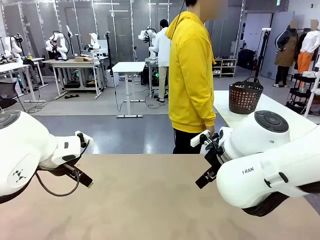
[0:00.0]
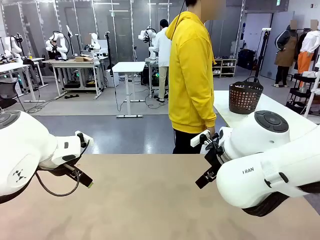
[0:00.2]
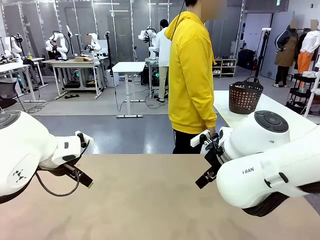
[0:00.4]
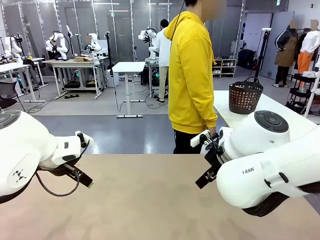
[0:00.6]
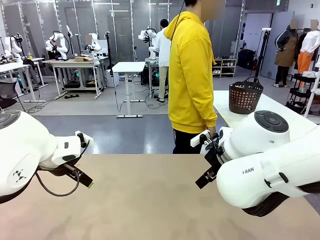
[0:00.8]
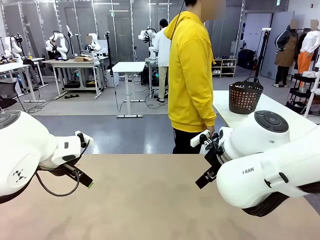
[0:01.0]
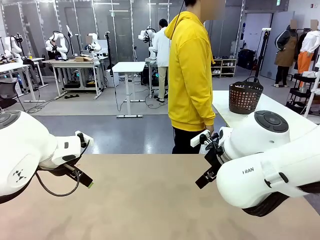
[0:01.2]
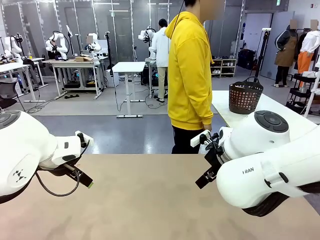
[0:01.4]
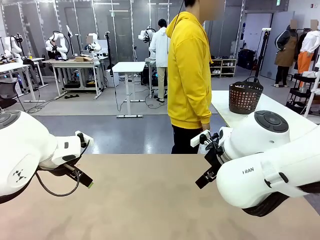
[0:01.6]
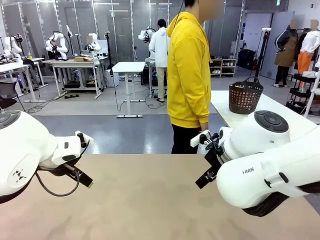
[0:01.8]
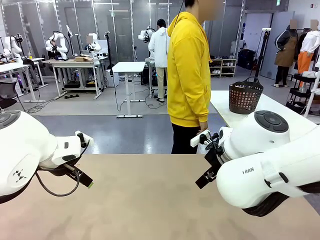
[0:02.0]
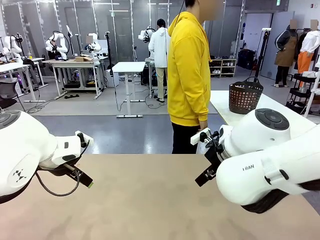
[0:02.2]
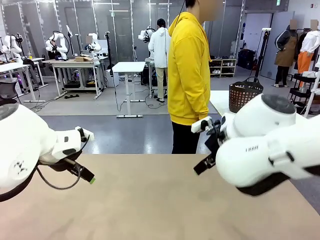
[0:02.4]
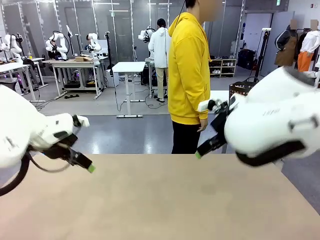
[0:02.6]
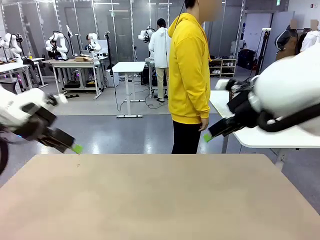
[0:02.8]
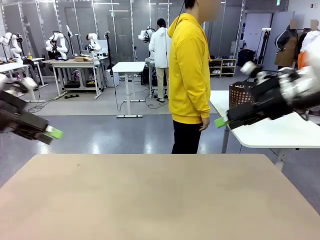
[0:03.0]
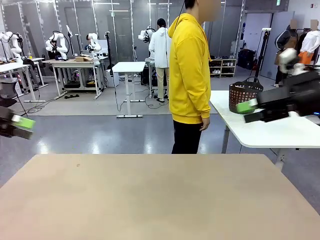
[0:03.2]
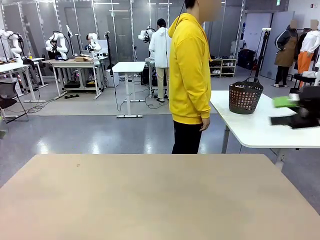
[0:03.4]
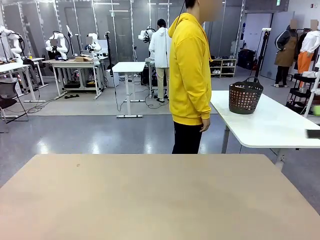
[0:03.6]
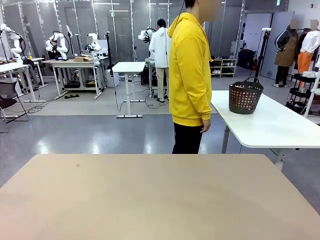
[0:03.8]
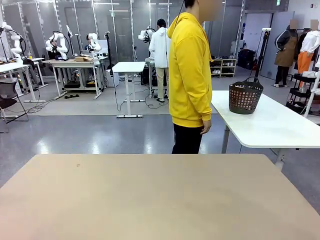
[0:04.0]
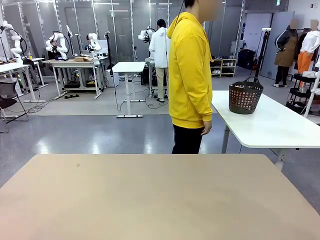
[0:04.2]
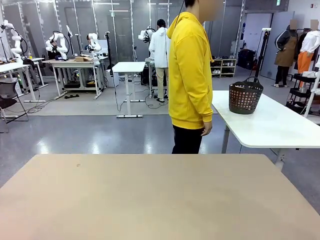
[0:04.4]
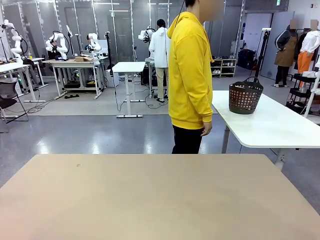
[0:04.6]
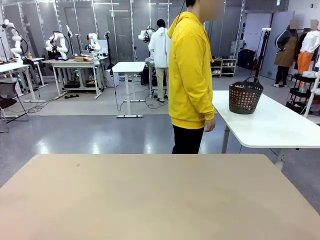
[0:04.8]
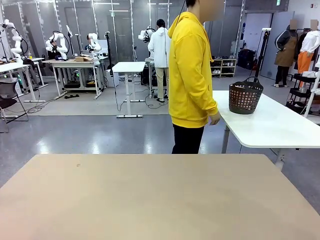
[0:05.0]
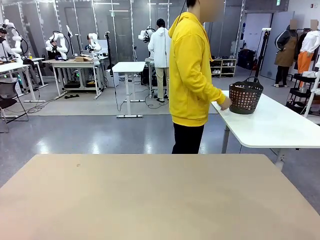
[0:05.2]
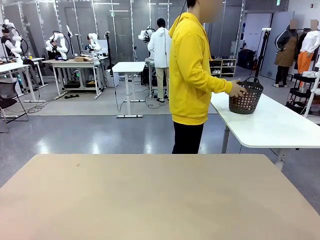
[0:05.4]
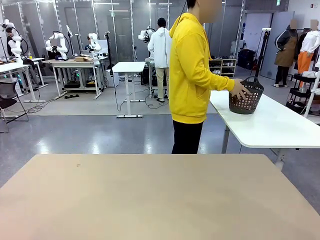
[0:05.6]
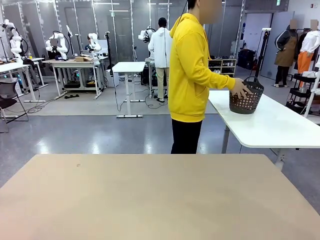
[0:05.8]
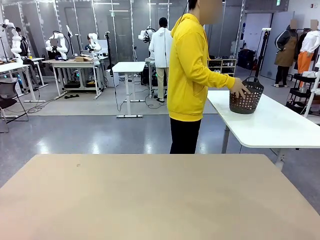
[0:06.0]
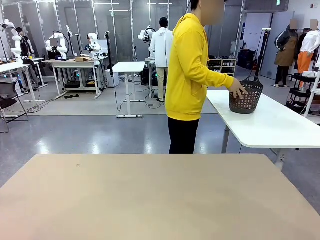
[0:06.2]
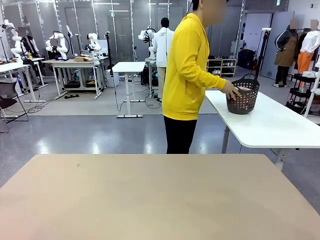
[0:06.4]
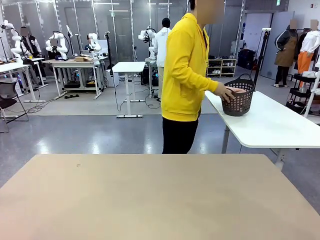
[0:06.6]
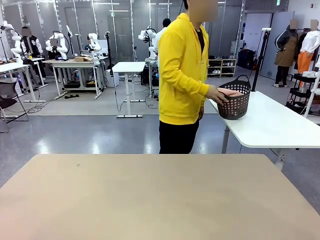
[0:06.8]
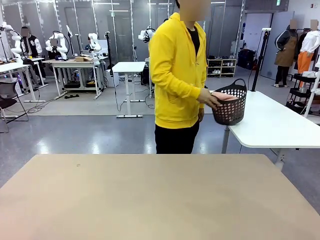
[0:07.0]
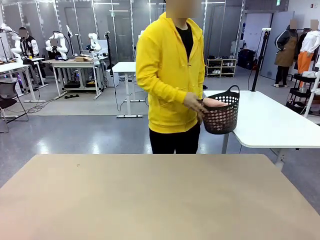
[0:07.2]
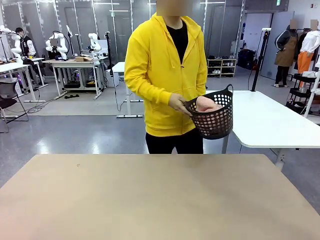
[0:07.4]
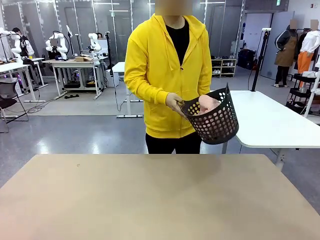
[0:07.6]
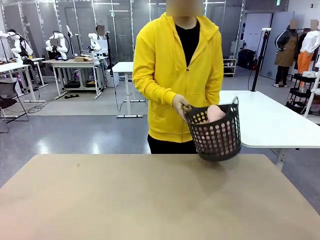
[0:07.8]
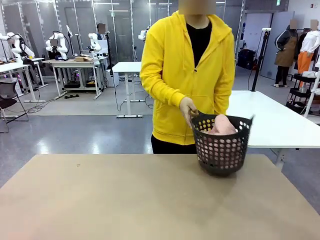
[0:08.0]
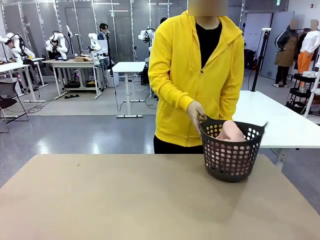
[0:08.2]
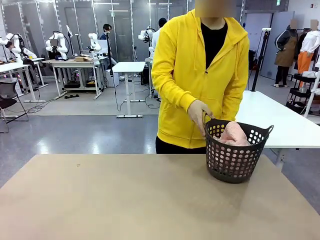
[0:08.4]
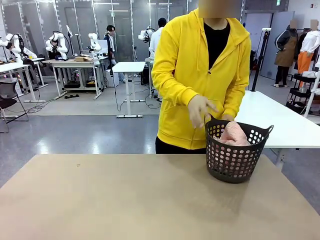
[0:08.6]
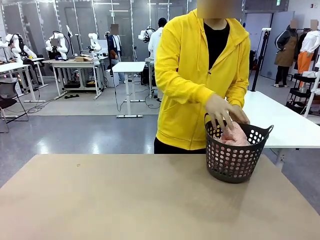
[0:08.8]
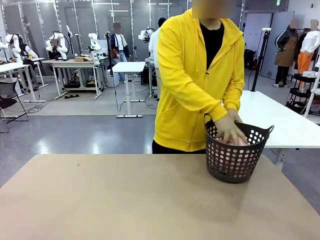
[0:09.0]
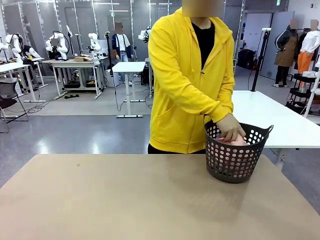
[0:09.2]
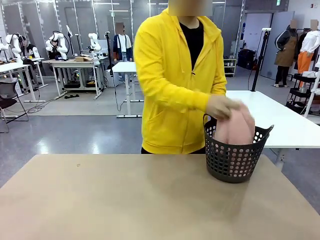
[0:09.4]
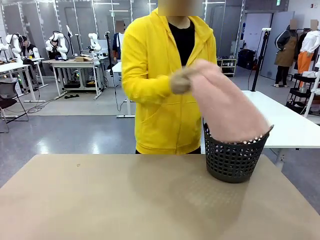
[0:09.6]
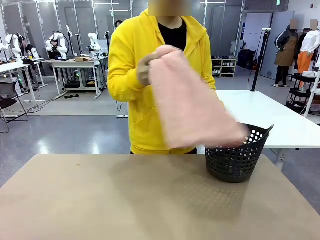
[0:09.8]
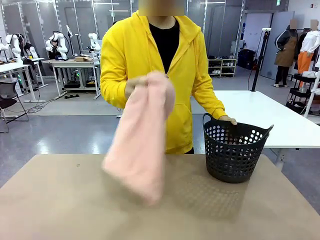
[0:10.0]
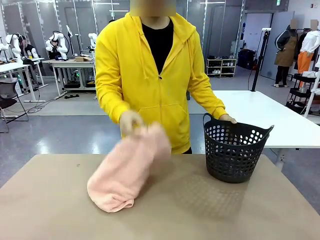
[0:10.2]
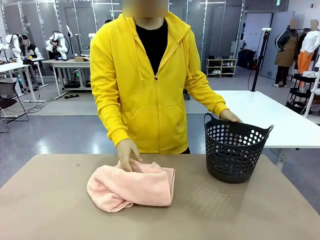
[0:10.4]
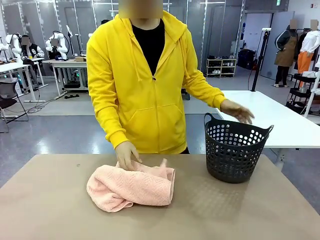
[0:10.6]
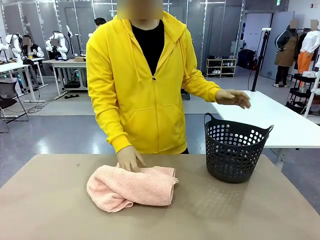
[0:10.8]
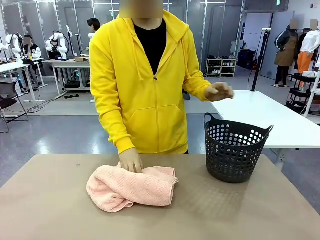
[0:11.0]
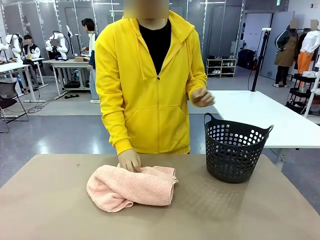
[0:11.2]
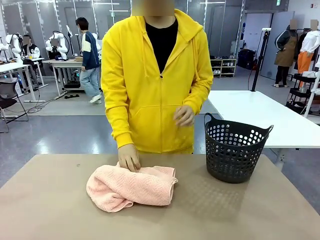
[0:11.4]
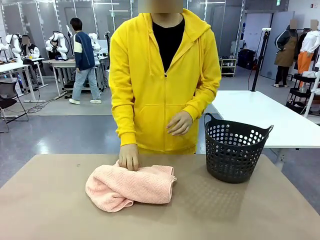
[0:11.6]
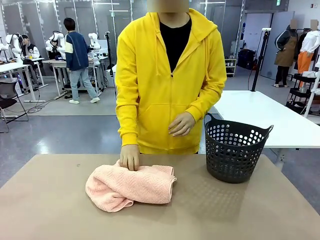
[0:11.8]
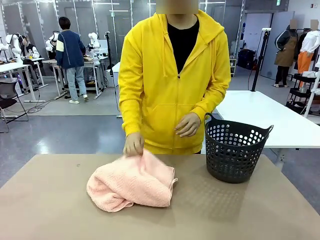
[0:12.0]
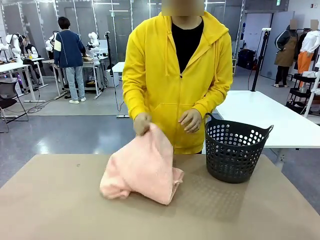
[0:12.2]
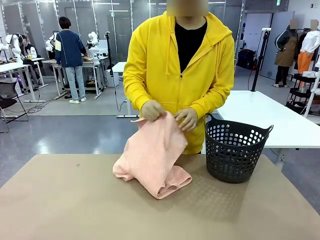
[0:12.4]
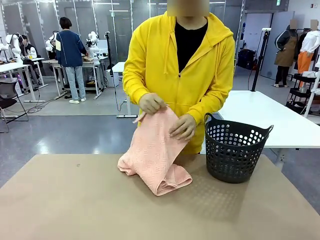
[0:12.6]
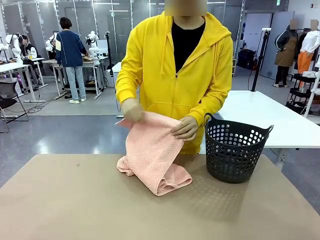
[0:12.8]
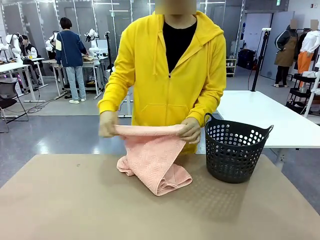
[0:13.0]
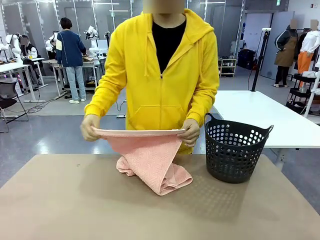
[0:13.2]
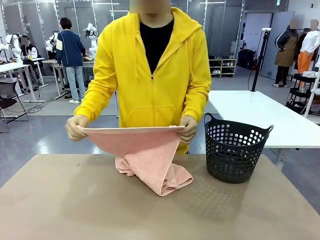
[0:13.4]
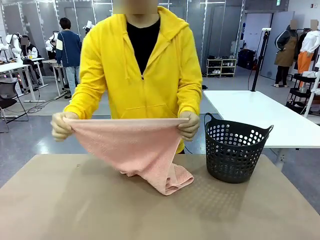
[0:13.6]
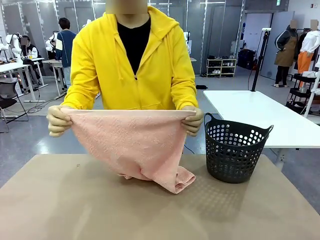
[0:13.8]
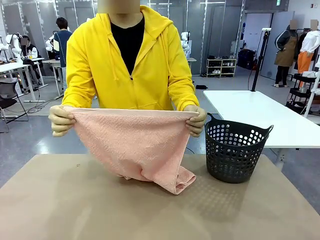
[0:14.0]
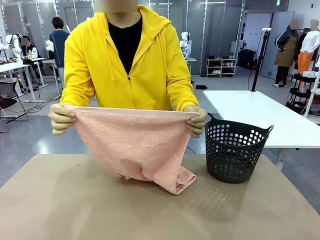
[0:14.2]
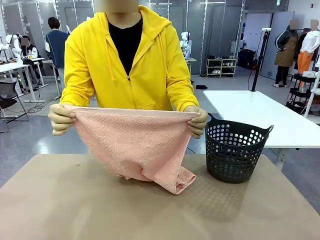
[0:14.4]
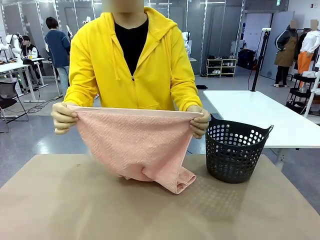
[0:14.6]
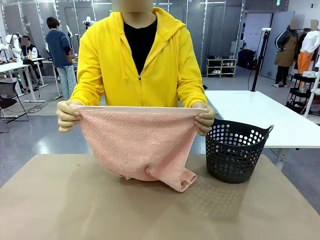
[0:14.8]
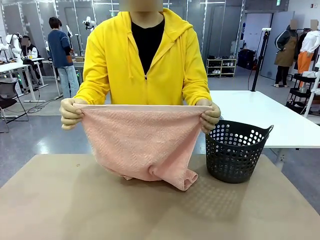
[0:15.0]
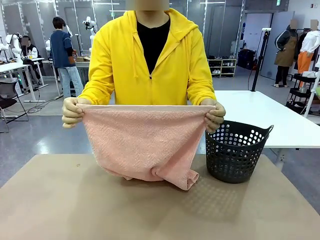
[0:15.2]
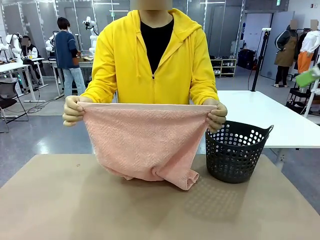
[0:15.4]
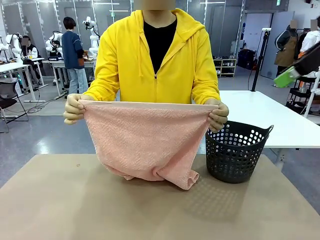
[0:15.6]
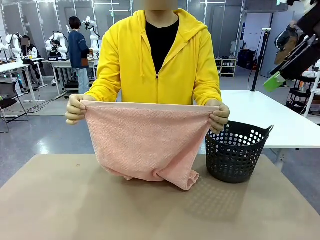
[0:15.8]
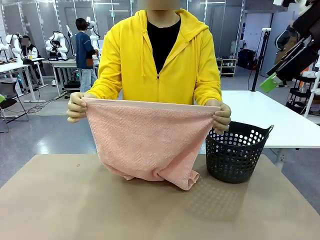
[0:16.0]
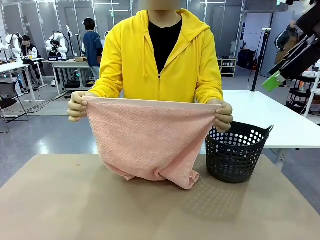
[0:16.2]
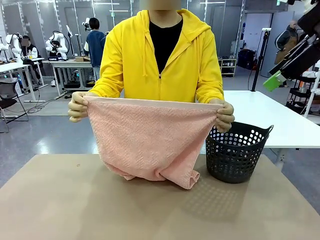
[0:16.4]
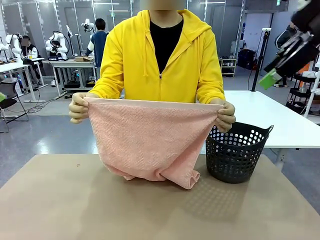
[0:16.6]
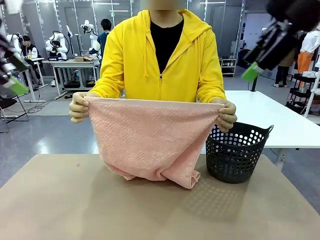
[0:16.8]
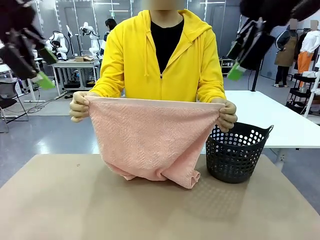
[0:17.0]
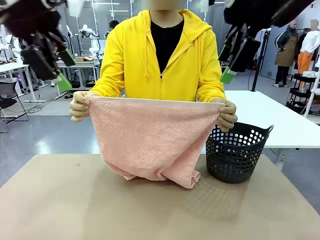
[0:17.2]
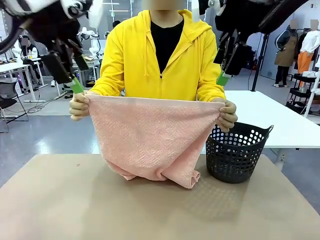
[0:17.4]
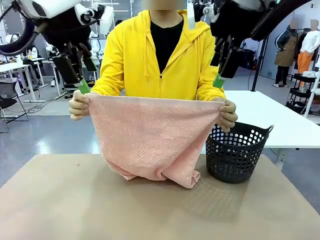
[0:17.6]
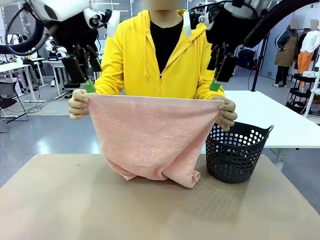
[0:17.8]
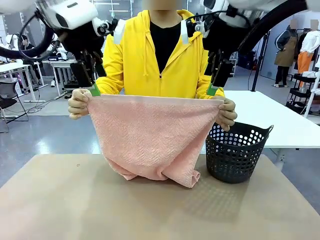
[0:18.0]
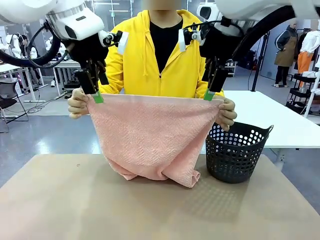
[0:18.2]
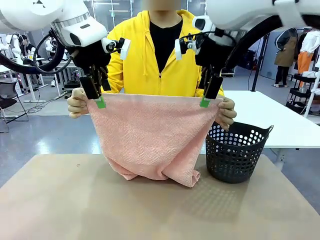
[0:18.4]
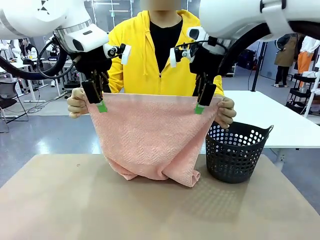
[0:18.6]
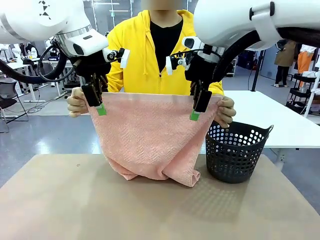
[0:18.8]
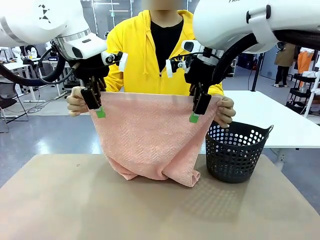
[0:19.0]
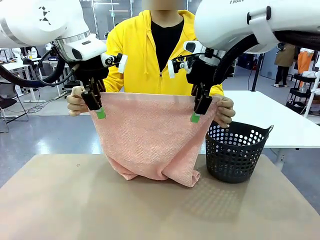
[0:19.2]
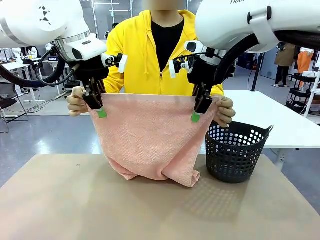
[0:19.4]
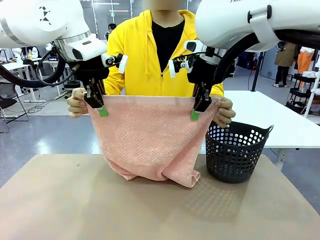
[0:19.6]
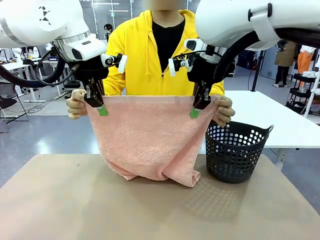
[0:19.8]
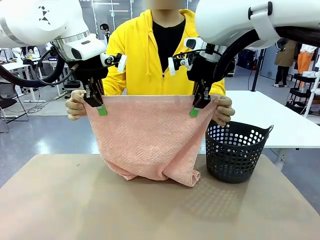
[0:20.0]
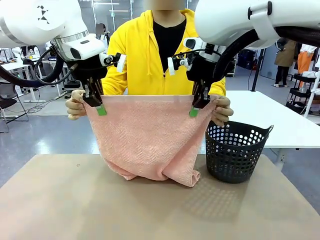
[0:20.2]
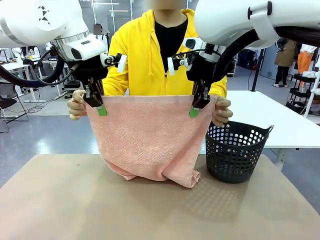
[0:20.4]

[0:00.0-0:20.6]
Task: Fold the towel.
Robot: Grab the top end of the 100 cm Hotel Towel extended by the human.
Person: Pick up the laundry basket, place it on the left side of the robot table, then take out a towel and hand it to the robot while holding both corners of one end.
